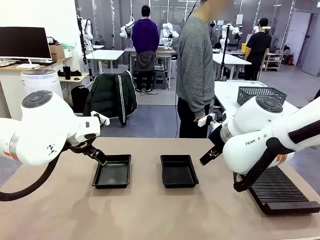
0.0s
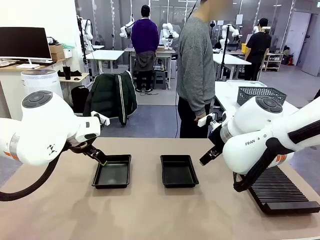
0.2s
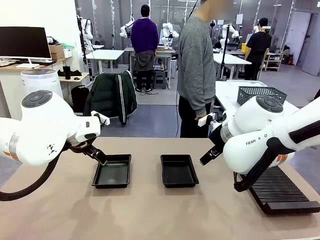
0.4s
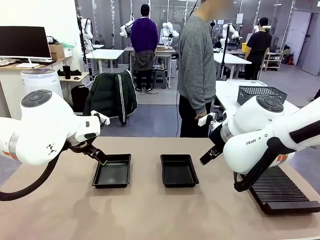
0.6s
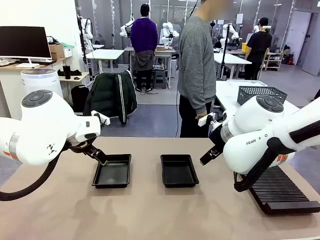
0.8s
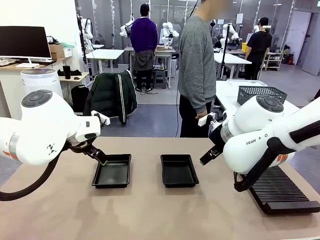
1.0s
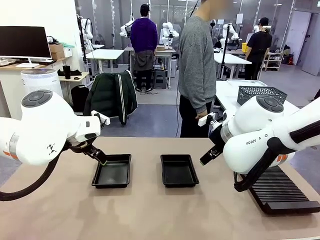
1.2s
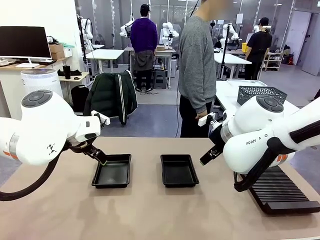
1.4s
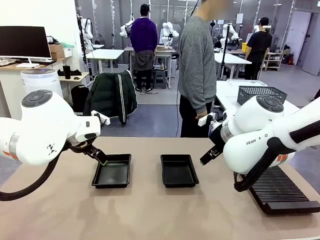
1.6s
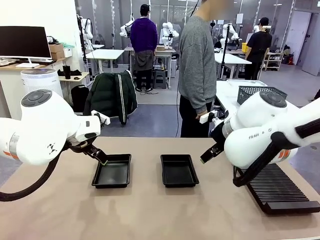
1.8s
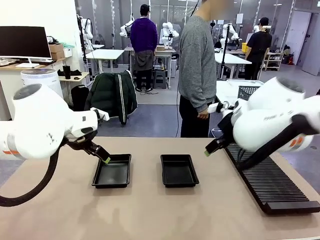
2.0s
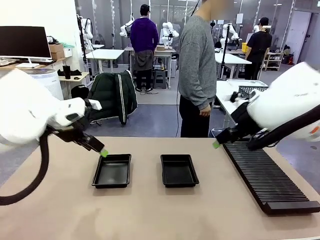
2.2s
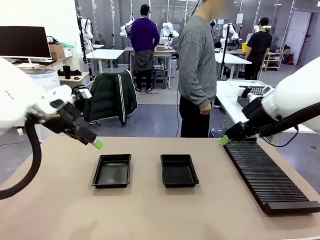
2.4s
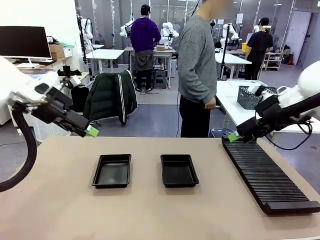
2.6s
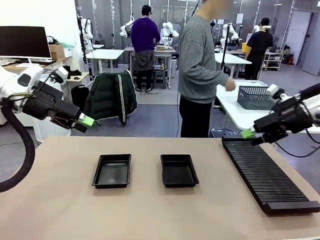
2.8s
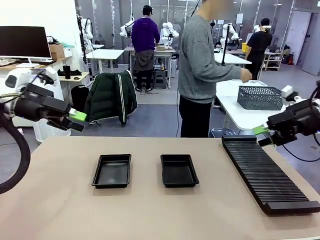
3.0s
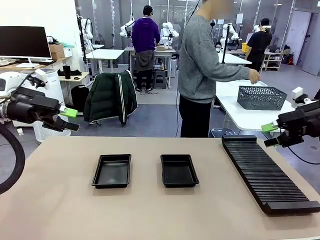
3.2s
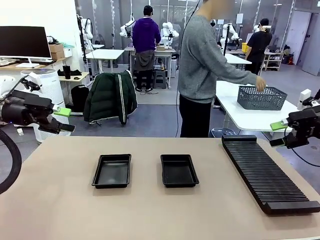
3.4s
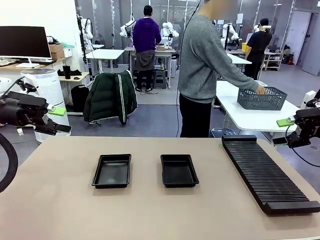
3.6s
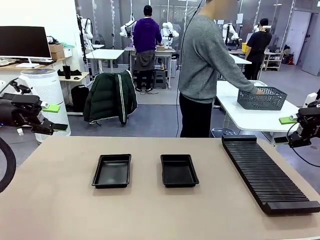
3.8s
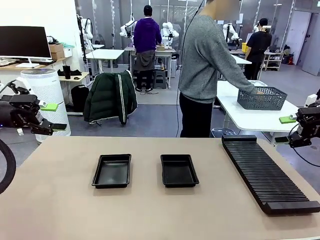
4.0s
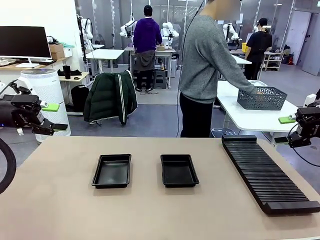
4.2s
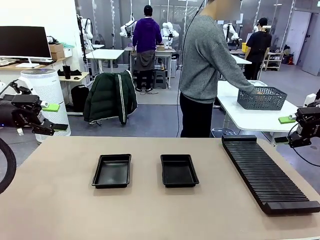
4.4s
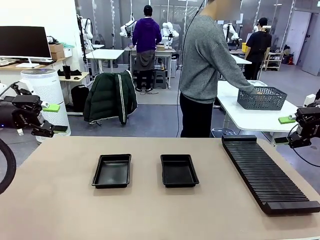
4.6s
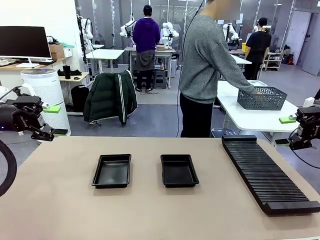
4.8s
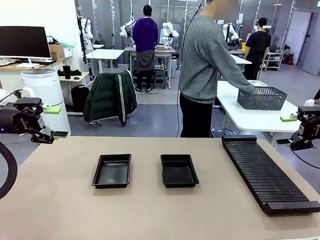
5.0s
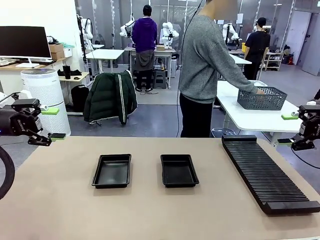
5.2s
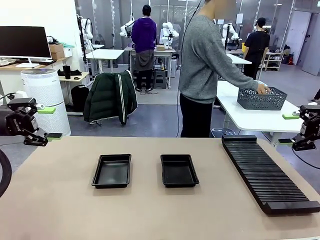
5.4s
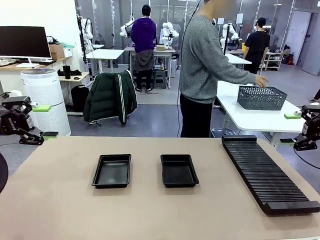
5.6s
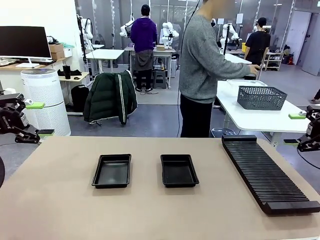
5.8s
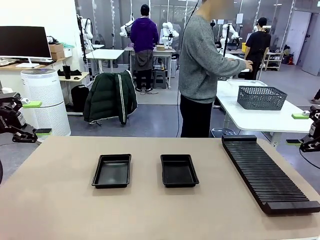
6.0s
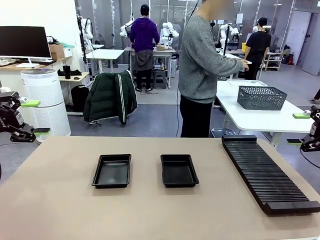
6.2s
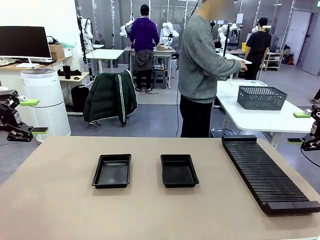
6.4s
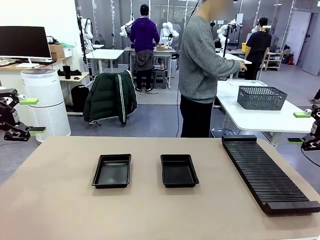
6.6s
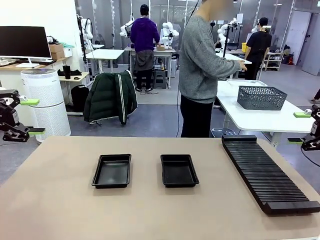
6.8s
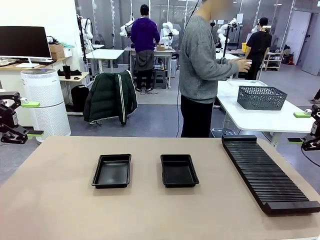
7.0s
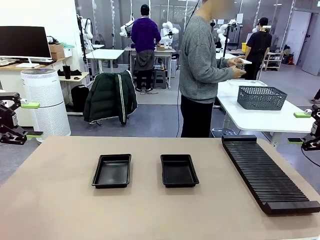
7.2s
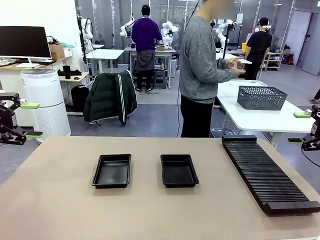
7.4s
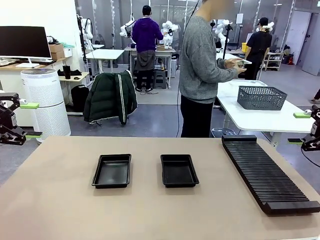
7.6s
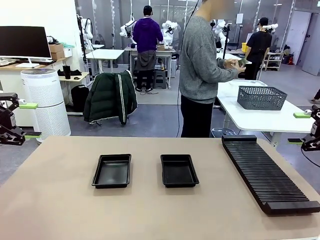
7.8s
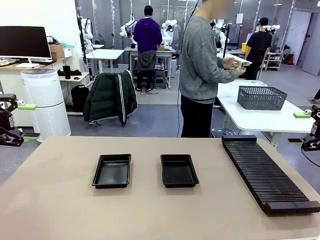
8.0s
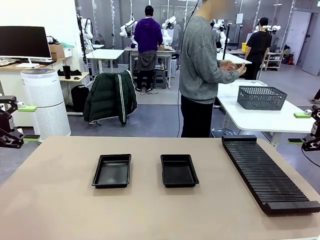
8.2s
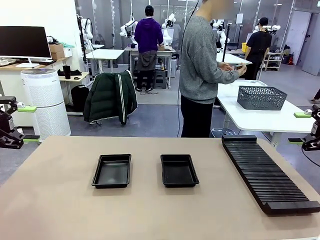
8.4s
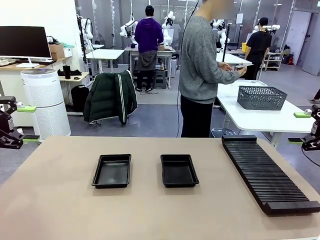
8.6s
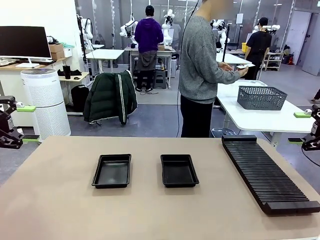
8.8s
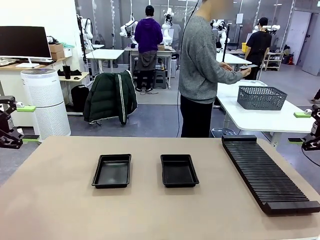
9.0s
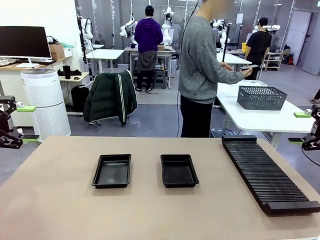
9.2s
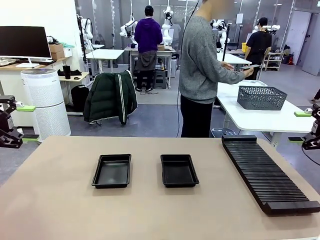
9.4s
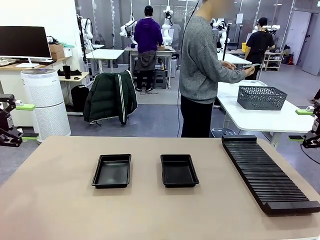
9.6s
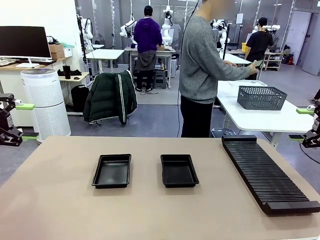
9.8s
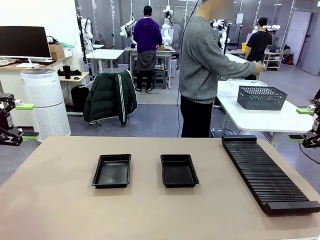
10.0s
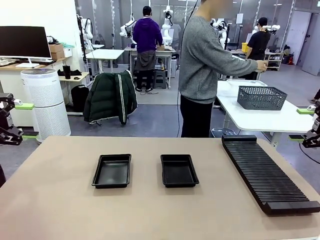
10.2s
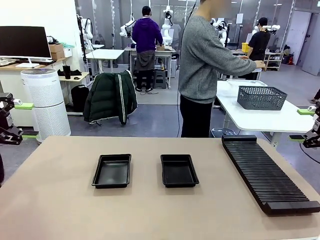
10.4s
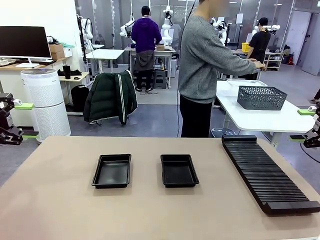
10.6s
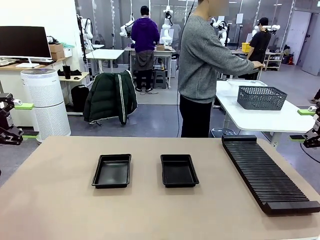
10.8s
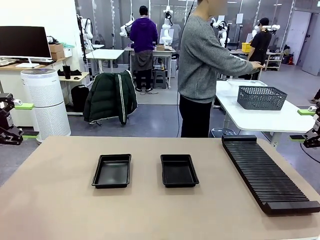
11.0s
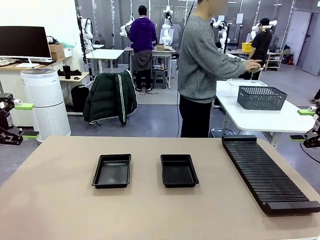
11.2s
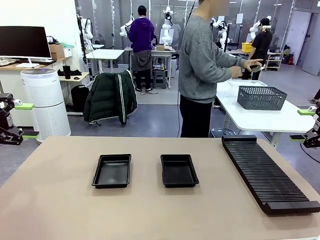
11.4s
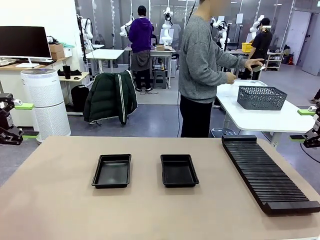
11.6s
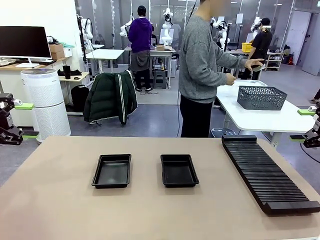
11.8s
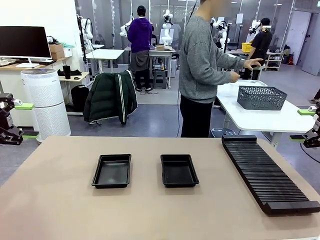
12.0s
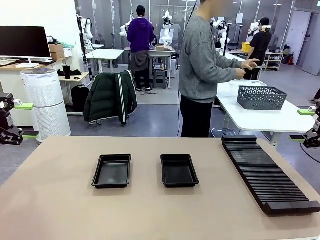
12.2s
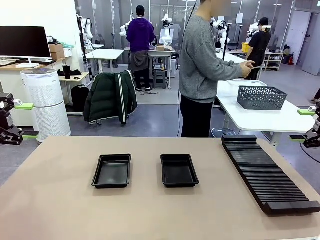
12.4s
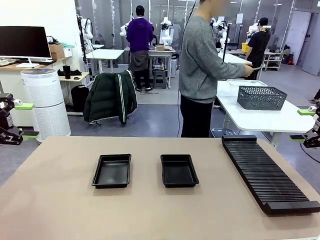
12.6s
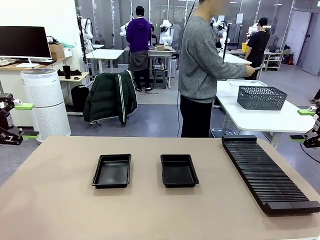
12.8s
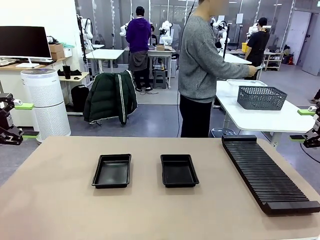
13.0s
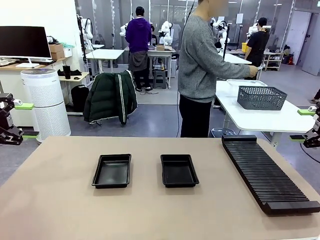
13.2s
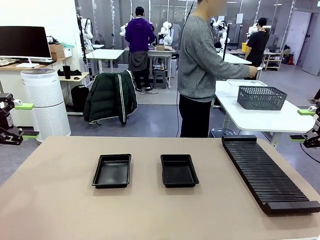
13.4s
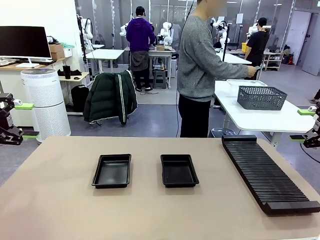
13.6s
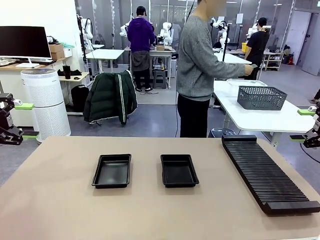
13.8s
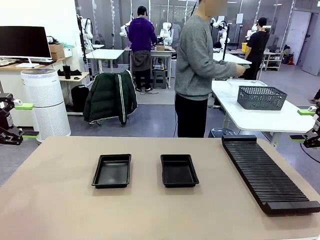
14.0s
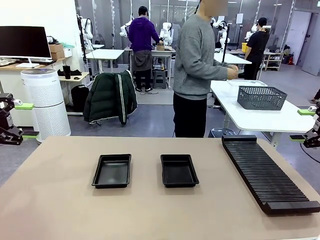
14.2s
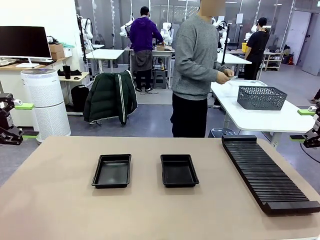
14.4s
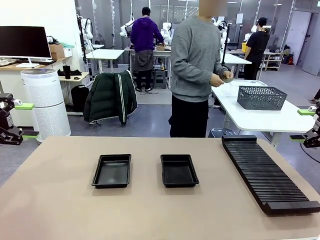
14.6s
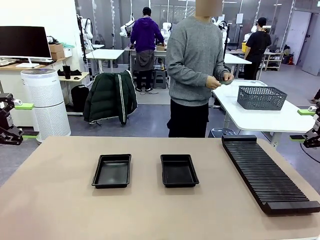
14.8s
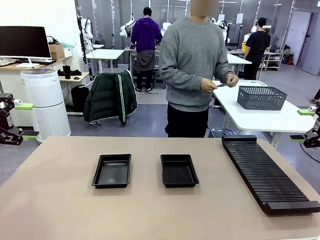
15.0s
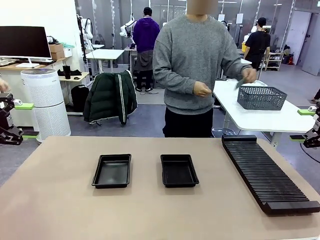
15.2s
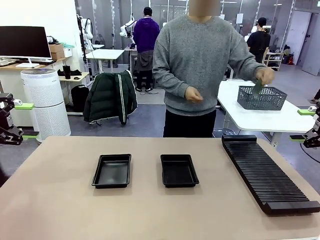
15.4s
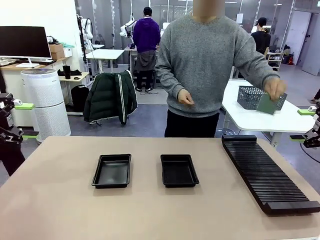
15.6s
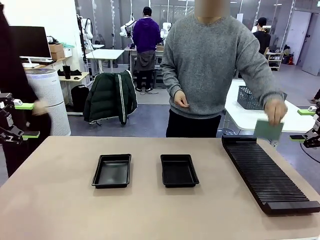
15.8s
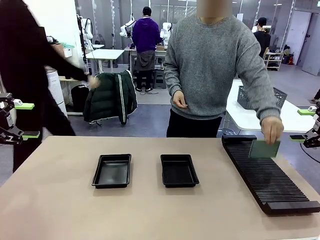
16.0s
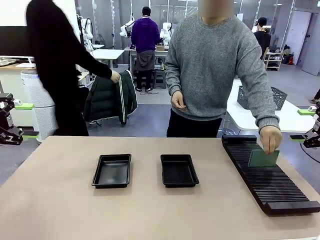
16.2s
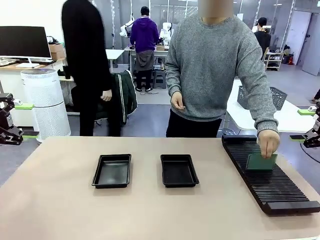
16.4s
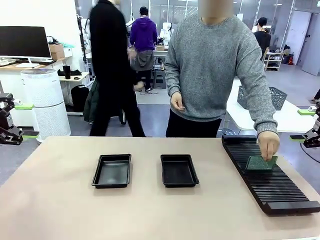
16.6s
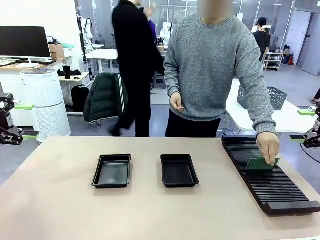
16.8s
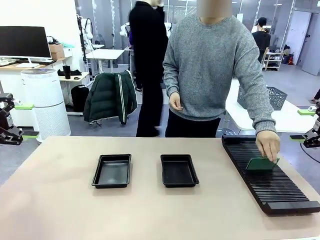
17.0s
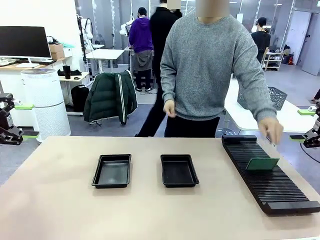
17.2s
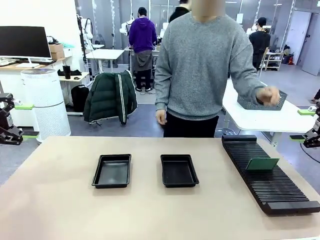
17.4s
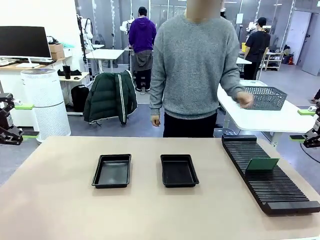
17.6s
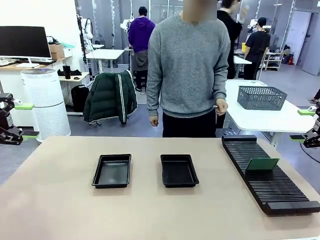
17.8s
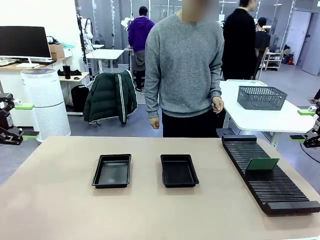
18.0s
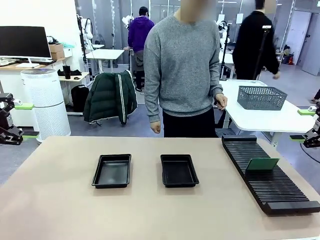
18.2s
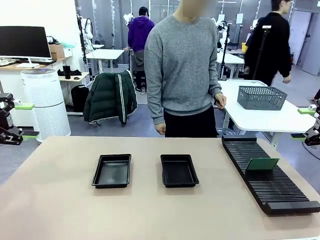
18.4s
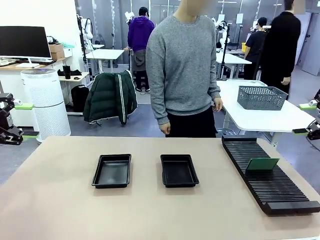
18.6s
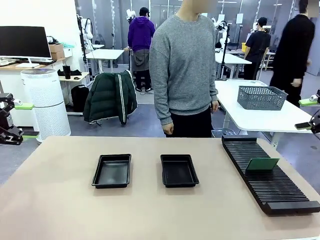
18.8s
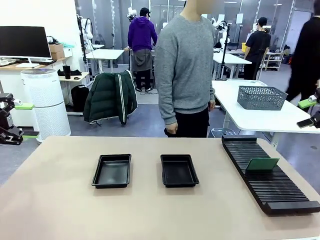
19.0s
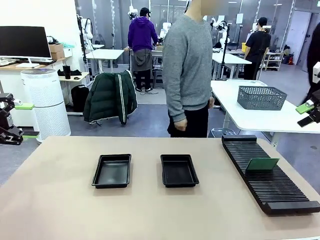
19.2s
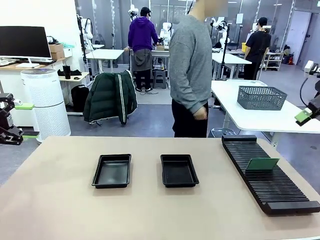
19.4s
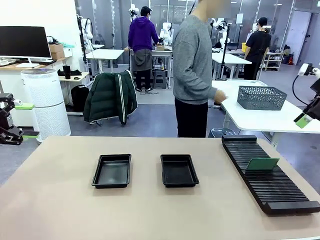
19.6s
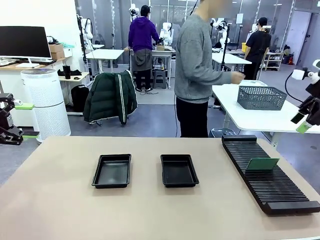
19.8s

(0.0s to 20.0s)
Task: Inspect and transfer BCBs to ESD trays.
Robot: Pick up the Blank PCB from the PCB Rack and place it in the left ESD tray.
